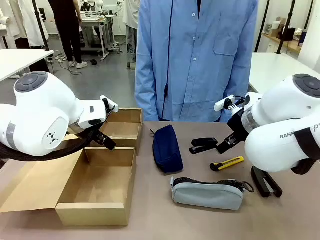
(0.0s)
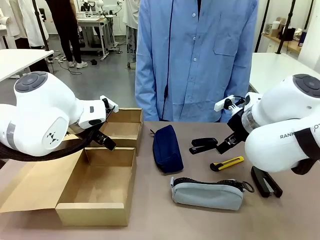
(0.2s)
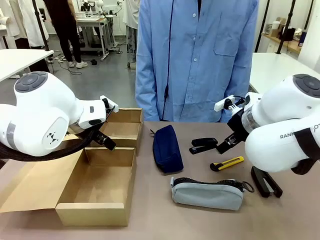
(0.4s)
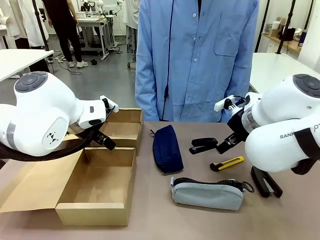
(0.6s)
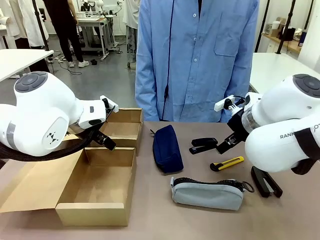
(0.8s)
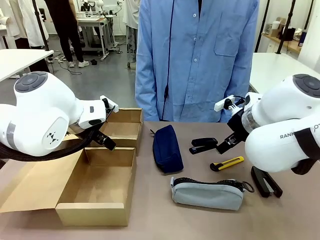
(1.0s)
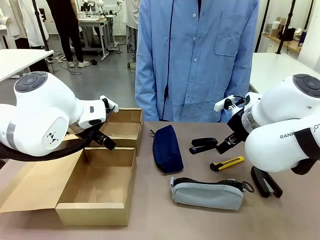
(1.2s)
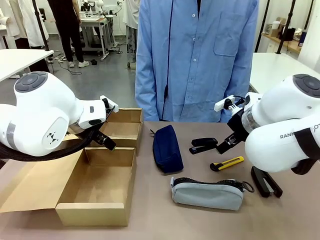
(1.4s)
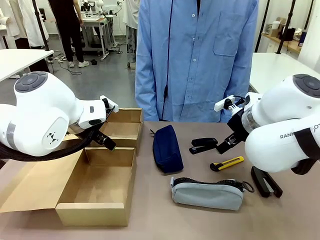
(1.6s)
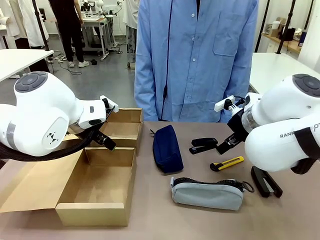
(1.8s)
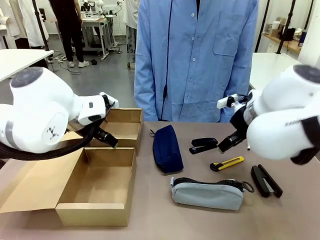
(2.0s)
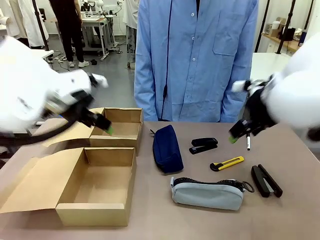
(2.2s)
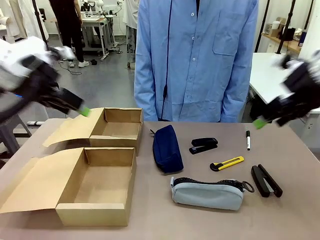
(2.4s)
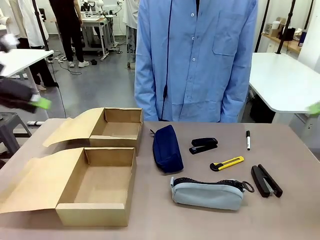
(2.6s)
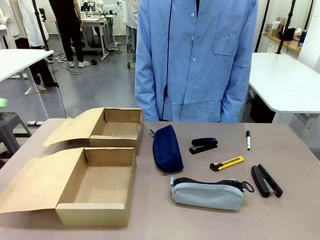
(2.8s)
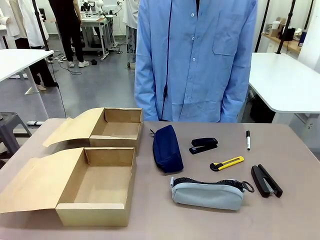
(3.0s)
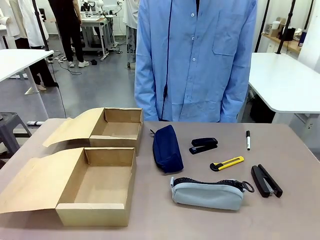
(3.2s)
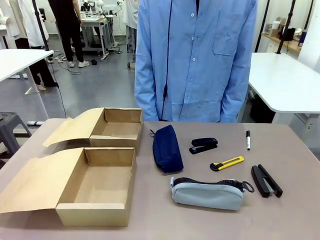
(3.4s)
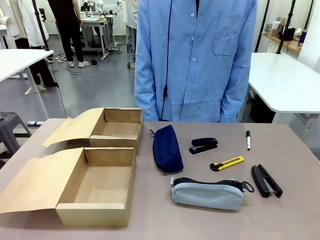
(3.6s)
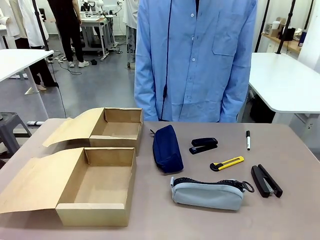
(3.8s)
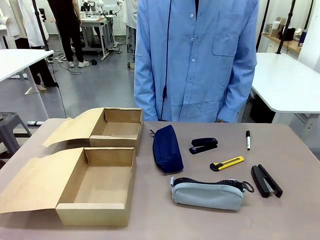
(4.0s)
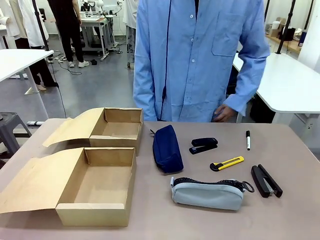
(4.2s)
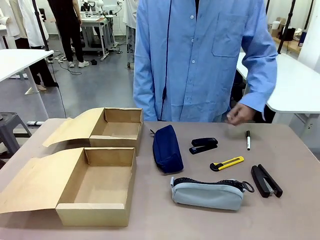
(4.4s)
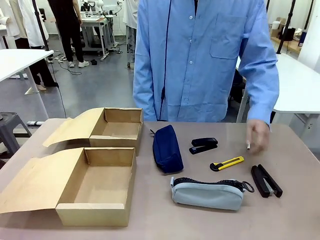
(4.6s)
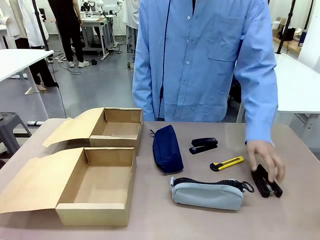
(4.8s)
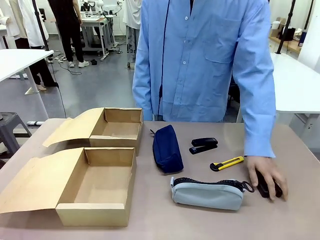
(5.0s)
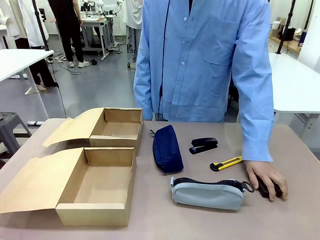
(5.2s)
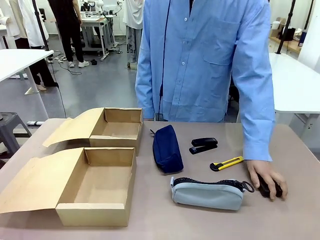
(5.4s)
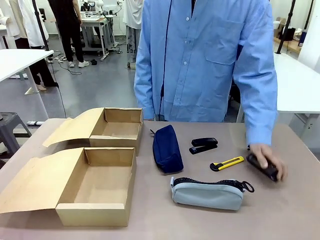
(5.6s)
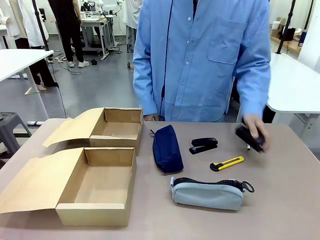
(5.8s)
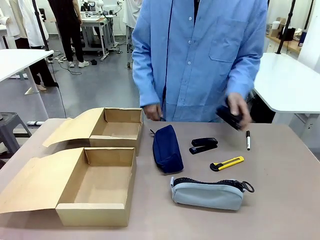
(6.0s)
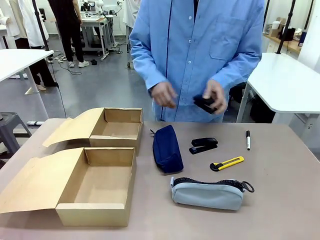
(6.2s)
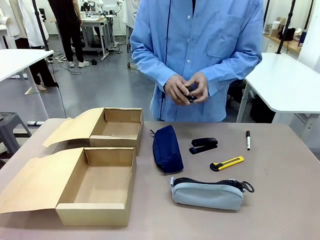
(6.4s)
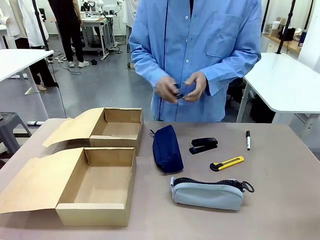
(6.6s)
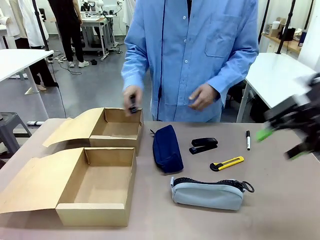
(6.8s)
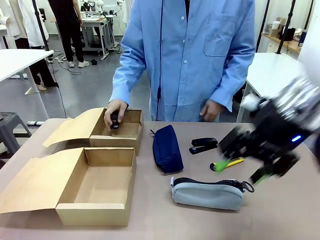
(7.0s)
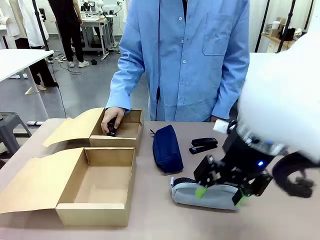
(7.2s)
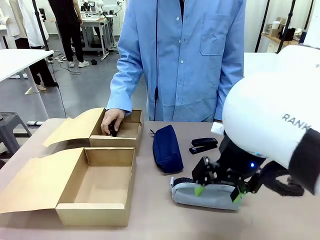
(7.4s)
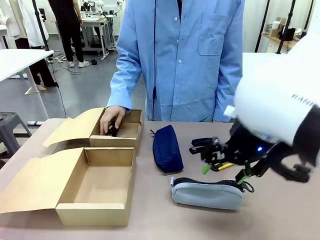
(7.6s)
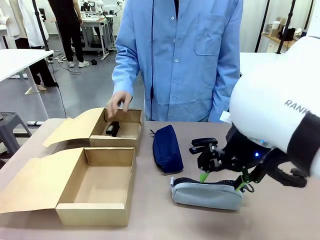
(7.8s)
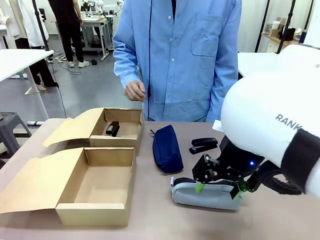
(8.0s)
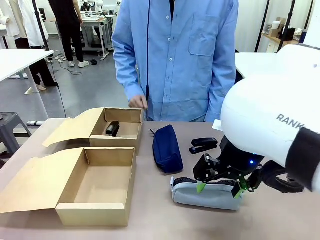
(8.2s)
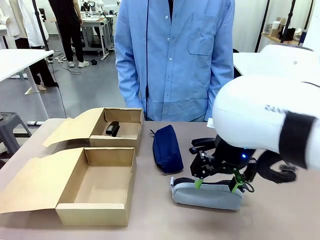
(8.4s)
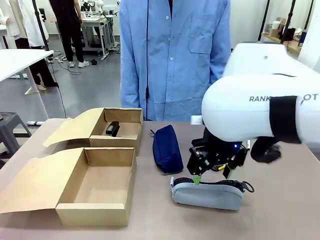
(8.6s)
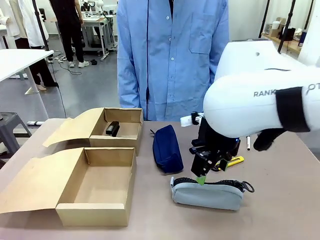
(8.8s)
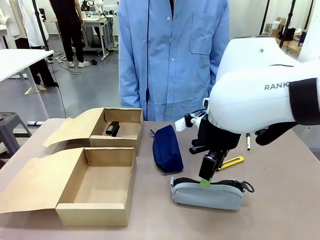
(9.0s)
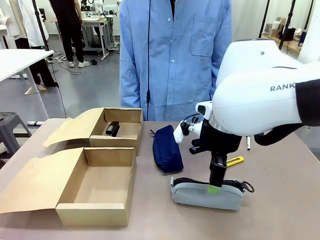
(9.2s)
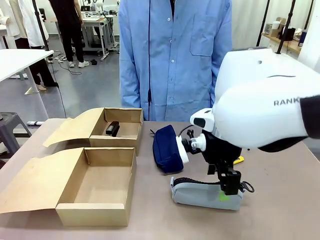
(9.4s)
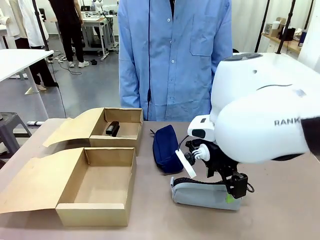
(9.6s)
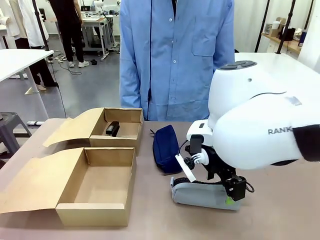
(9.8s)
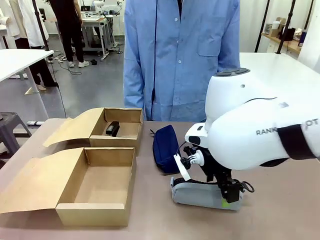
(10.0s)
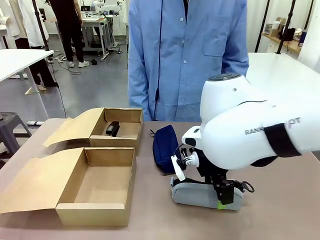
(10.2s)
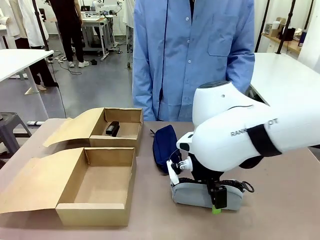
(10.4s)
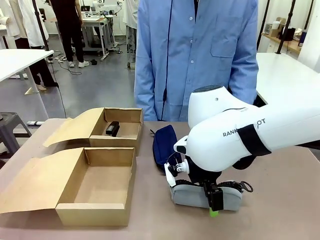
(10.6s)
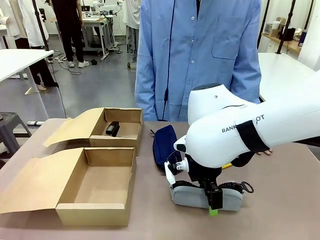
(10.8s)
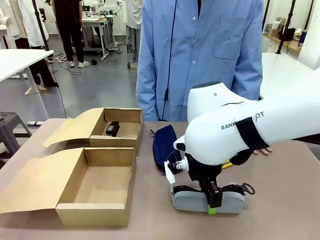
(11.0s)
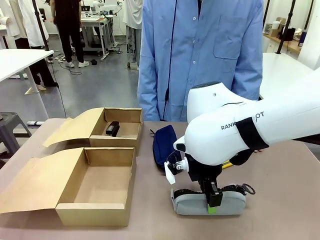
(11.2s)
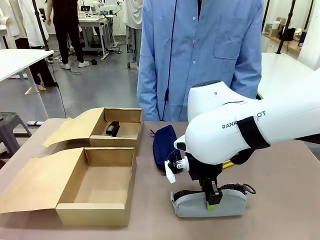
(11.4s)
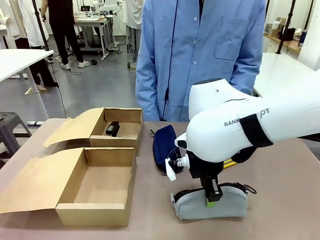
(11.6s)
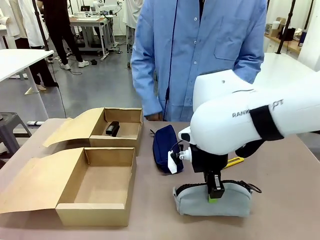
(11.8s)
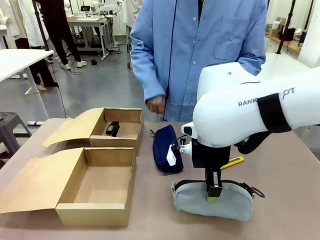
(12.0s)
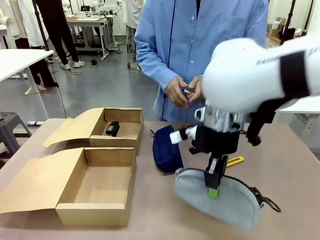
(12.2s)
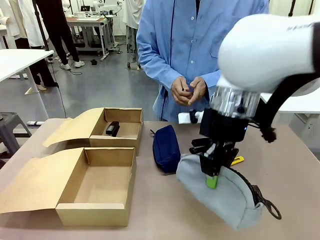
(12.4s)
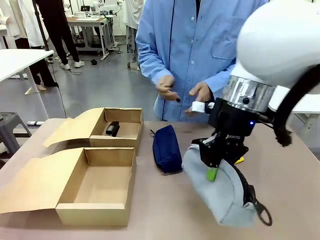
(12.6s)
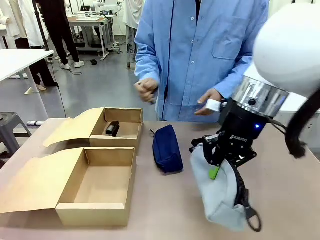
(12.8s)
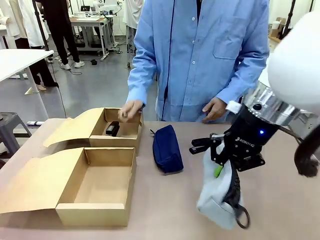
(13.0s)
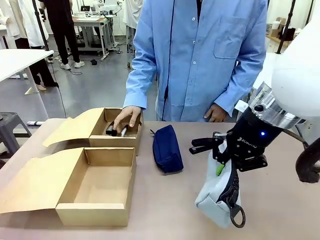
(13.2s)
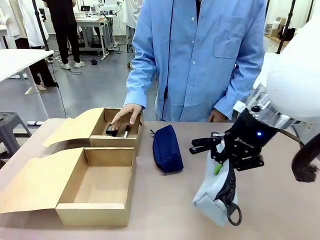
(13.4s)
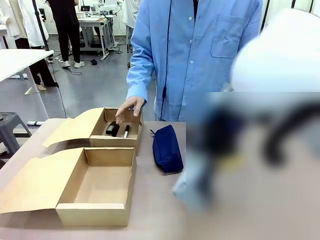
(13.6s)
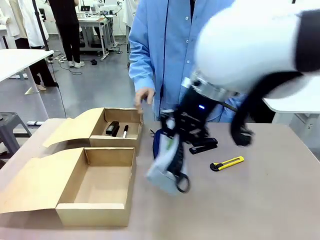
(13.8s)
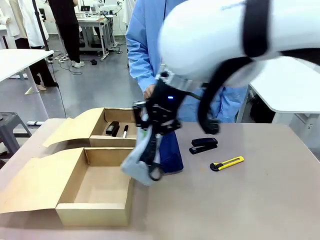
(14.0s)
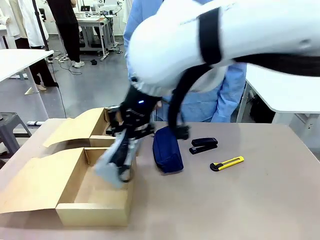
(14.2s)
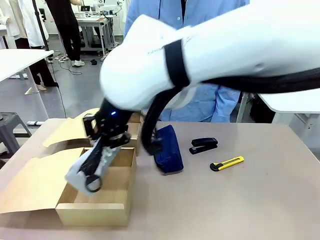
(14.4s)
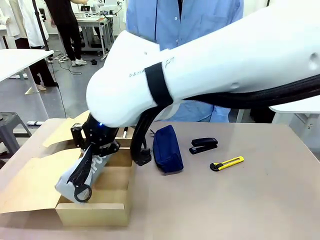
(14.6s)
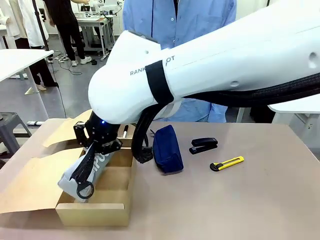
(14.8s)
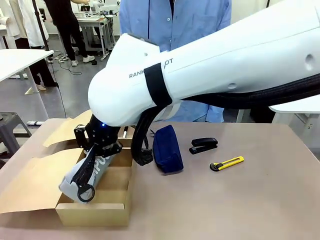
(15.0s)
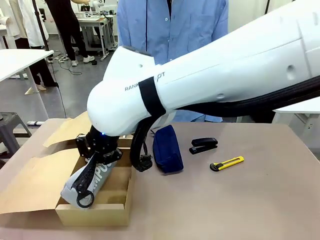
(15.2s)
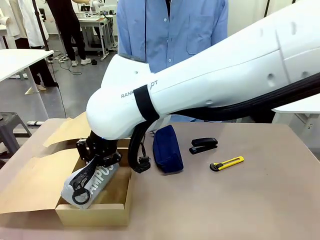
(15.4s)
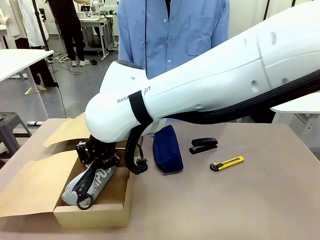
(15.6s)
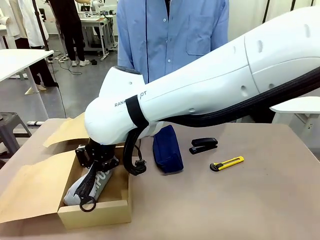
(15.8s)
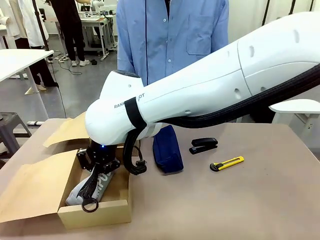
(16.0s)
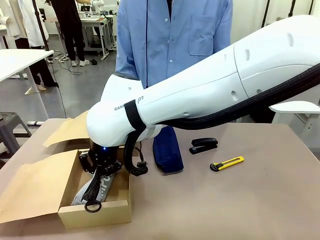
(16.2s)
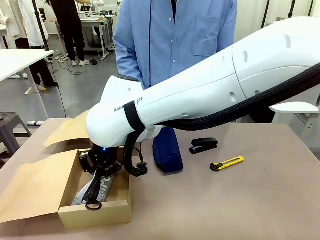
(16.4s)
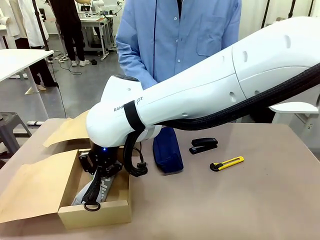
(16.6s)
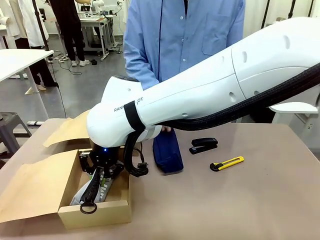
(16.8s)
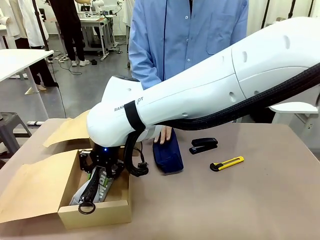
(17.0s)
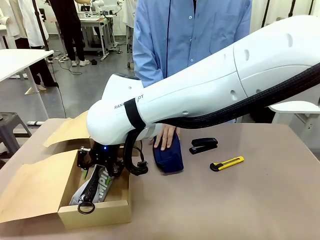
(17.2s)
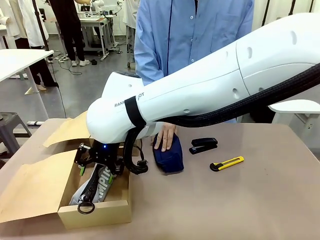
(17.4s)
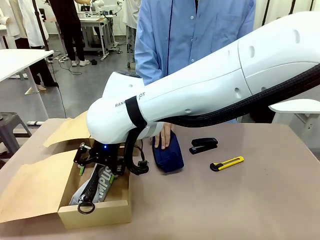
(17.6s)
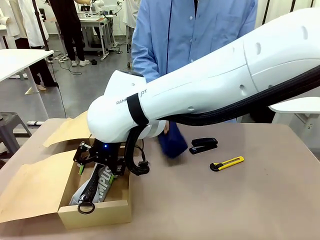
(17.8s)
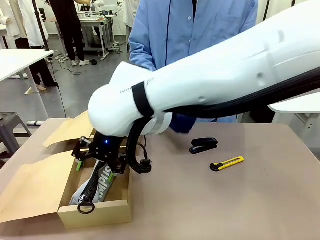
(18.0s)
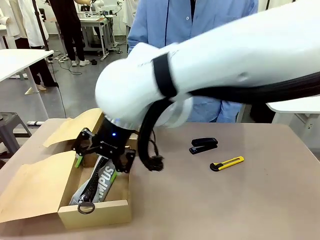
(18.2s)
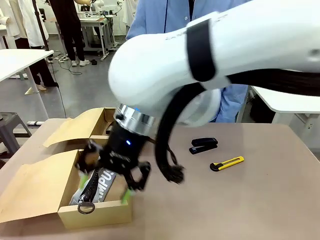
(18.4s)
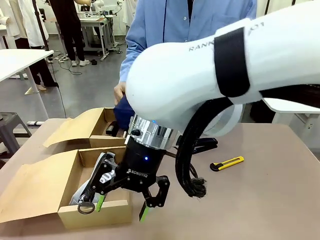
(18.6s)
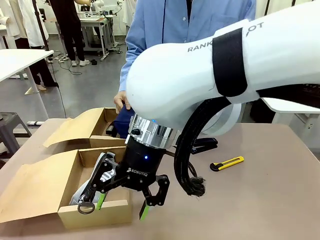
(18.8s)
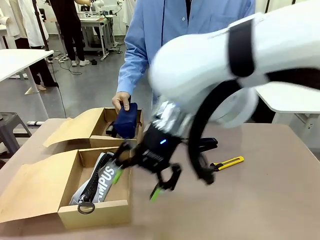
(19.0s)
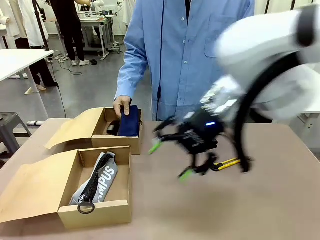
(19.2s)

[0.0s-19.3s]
Task: Place items inside the box.
Robot: Pick up a Pencil pouch or Stapler and place it inside the Mailer Box closest to the robot.
Person: Pick up an object on the table and put it in the box.
